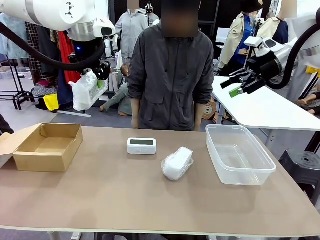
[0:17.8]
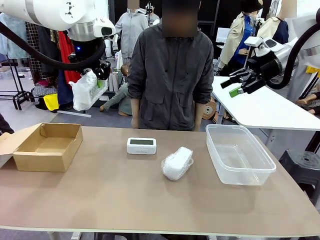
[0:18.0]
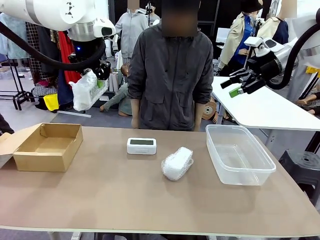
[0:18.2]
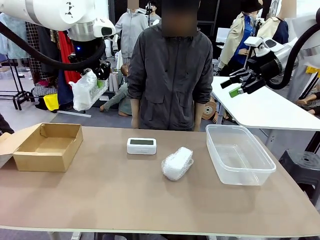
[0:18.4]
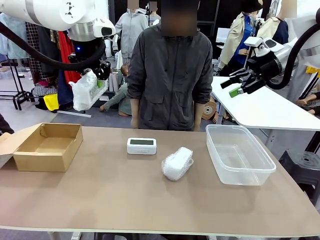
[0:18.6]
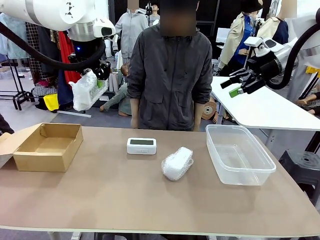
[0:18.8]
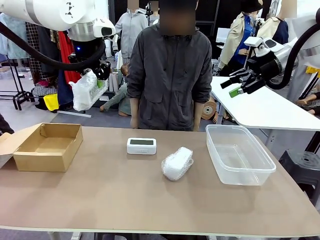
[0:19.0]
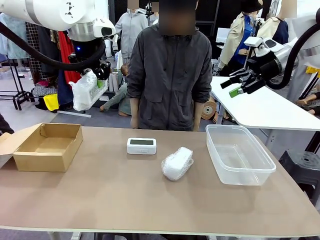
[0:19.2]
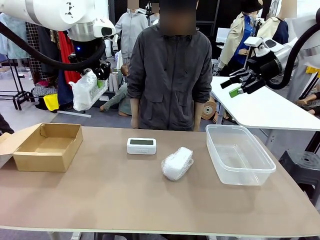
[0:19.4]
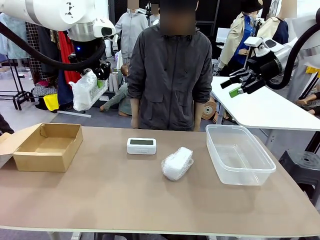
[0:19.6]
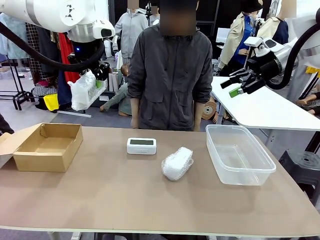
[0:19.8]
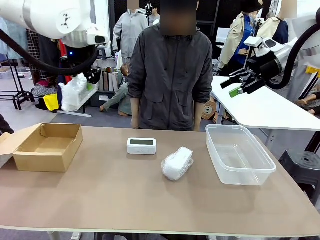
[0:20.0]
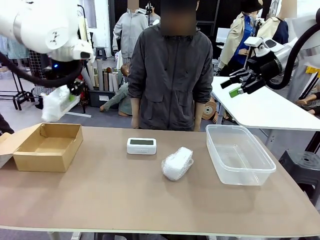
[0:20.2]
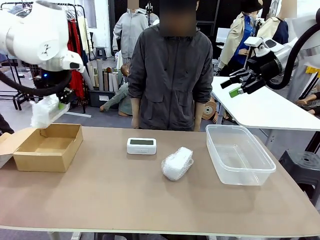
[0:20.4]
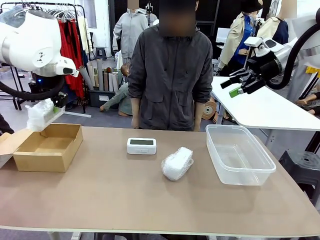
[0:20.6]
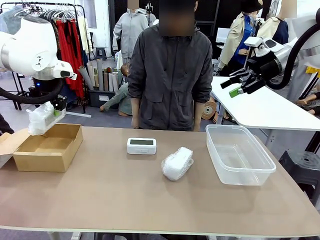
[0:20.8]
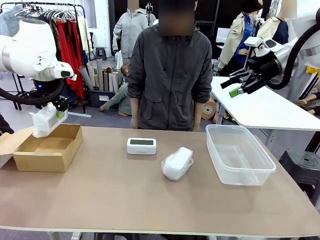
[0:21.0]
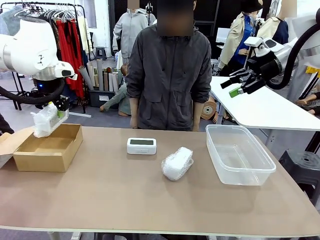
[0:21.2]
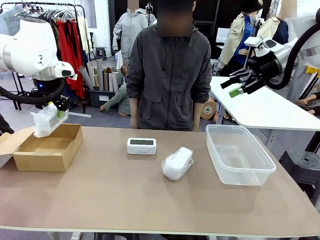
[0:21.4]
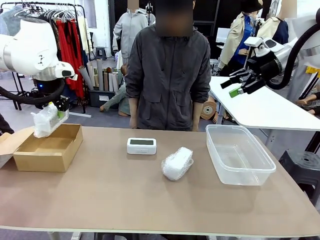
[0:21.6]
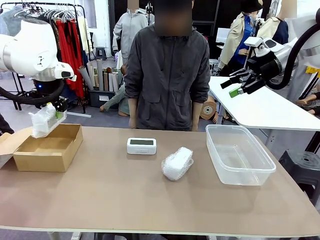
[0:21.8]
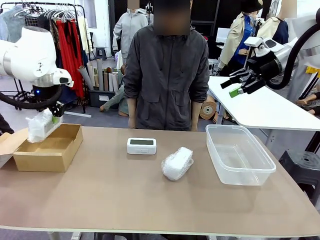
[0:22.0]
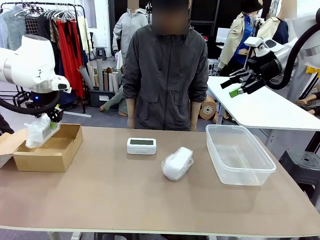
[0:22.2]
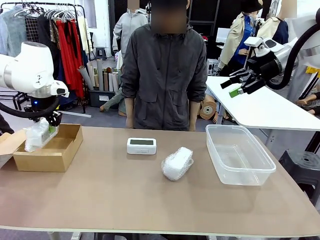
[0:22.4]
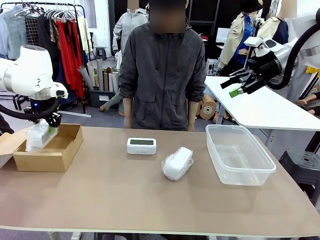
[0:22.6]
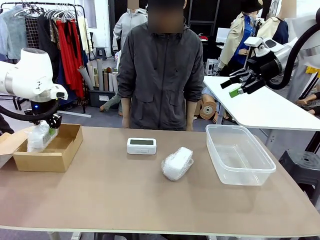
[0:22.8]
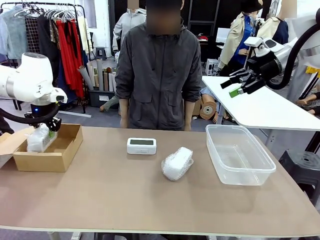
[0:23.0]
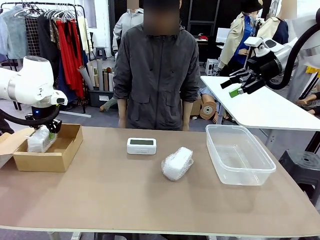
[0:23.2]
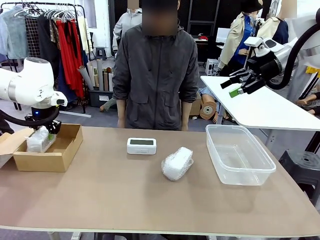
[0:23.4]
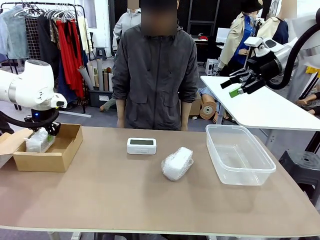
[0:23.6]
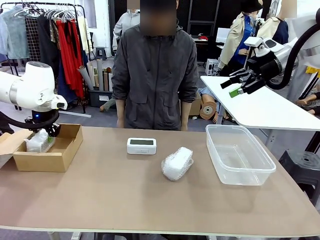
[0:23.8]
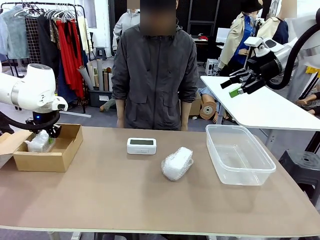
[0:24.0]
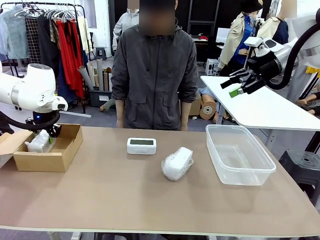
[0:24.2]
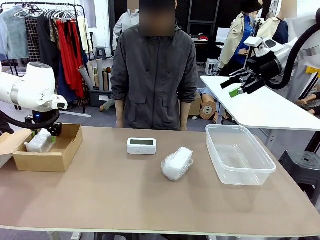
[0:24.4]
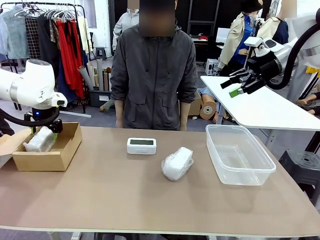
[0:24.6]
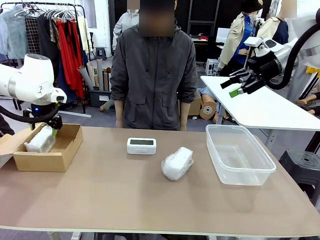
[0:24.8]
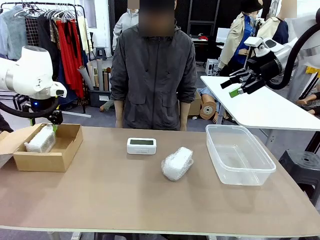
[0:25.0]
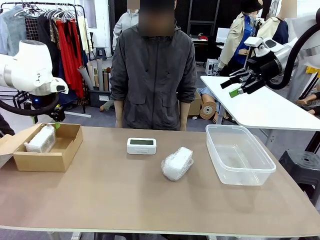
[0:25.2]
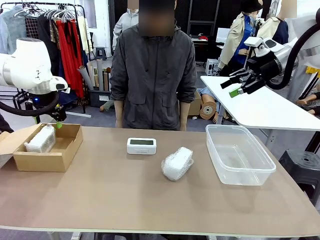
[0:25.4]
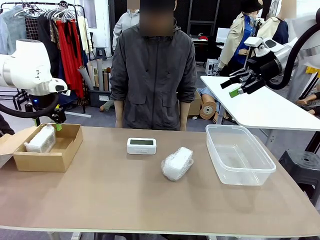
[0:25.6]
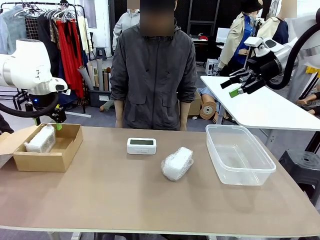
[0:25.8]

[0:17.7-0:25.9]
Task: Separate and place wrapped and unwrapped clocks.
Robot: If the picked Digital clock is wrapped, place it in the Package Box ; if not, place it in the Organizing box.

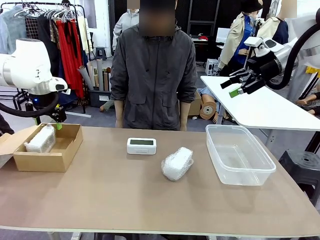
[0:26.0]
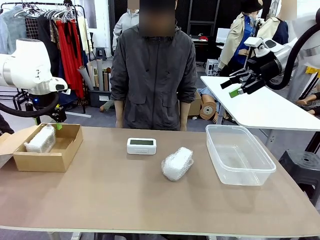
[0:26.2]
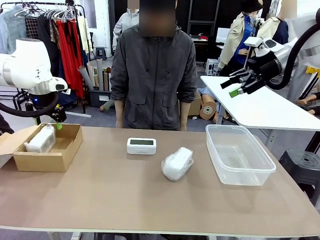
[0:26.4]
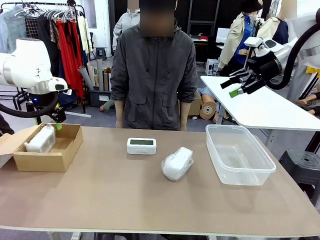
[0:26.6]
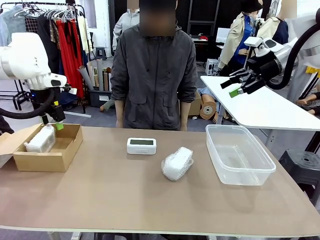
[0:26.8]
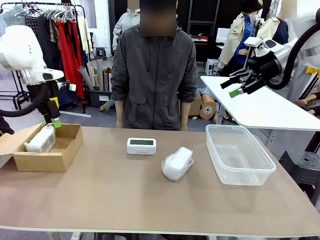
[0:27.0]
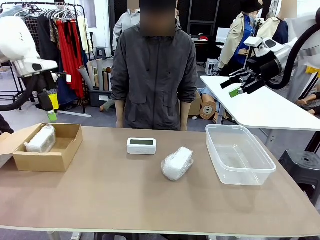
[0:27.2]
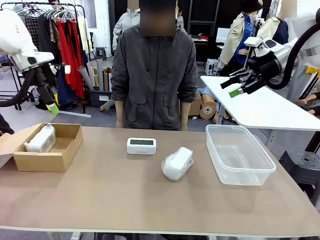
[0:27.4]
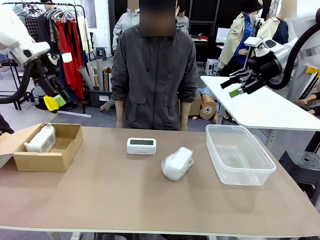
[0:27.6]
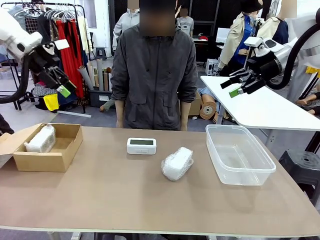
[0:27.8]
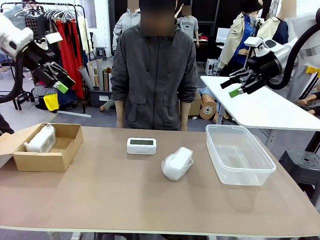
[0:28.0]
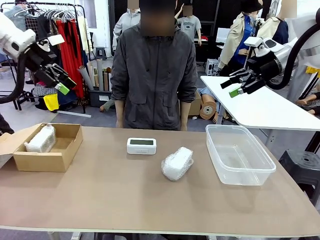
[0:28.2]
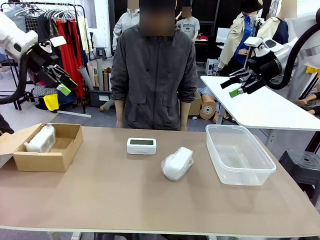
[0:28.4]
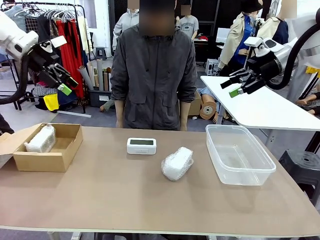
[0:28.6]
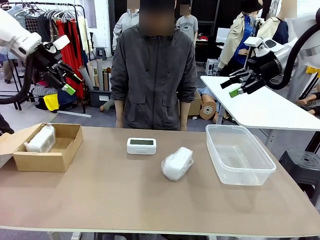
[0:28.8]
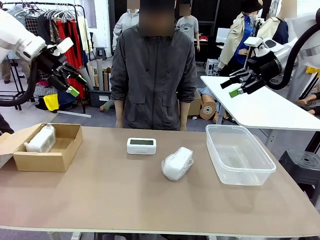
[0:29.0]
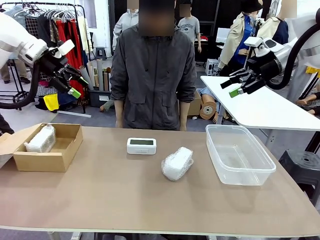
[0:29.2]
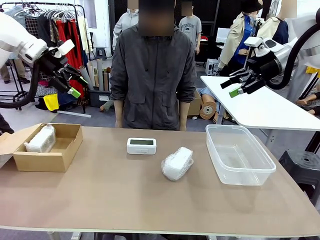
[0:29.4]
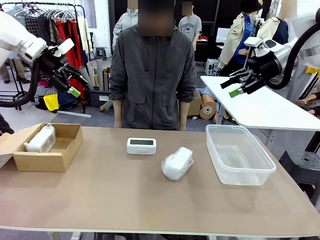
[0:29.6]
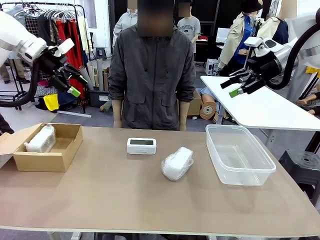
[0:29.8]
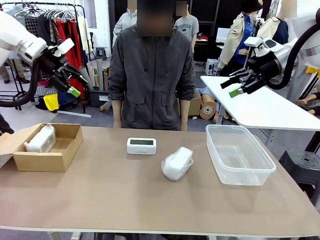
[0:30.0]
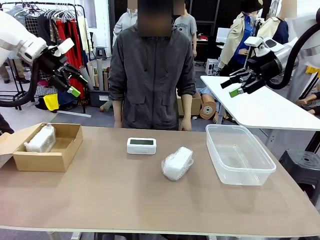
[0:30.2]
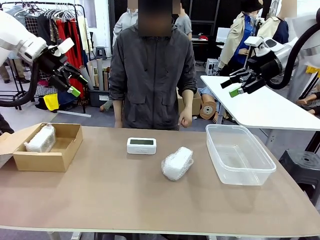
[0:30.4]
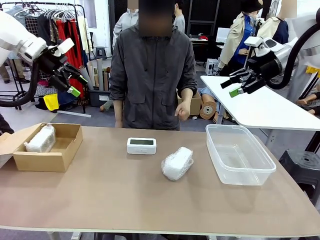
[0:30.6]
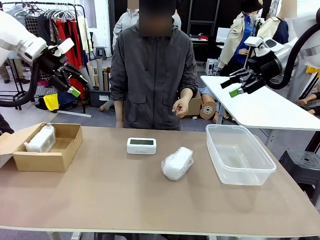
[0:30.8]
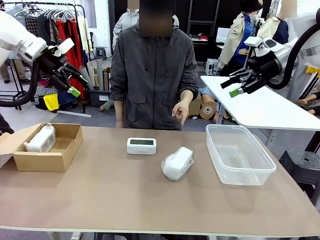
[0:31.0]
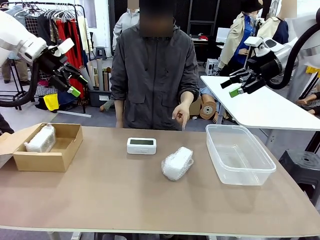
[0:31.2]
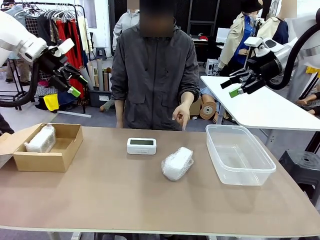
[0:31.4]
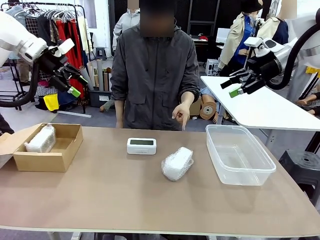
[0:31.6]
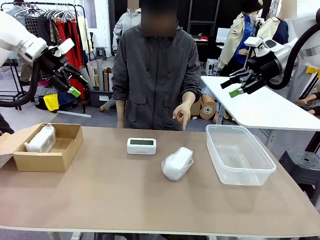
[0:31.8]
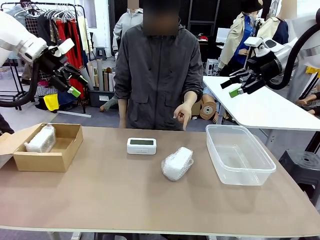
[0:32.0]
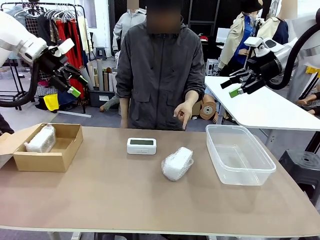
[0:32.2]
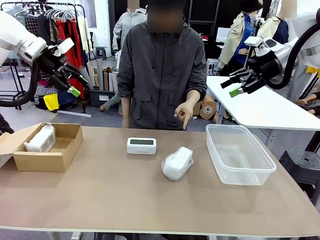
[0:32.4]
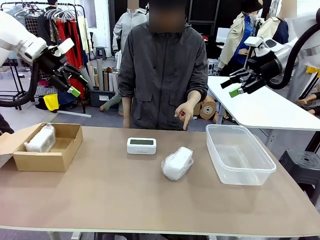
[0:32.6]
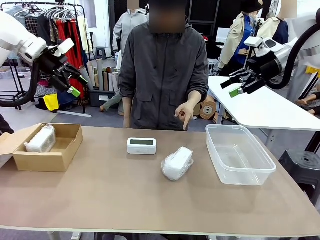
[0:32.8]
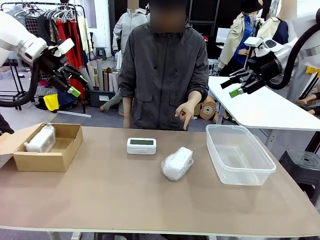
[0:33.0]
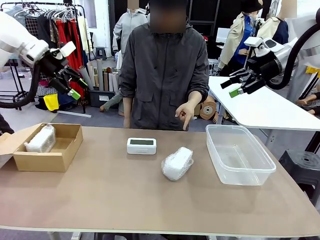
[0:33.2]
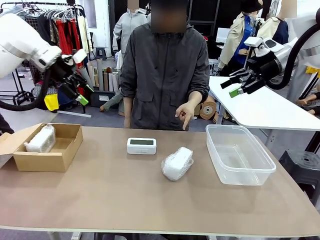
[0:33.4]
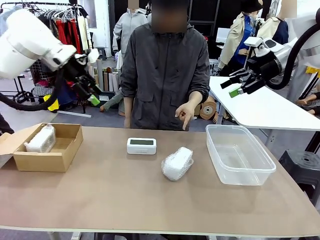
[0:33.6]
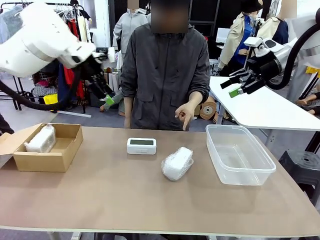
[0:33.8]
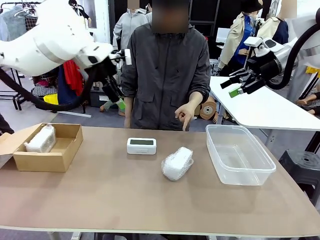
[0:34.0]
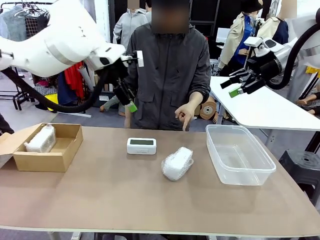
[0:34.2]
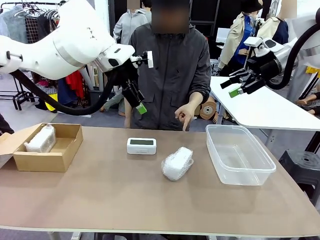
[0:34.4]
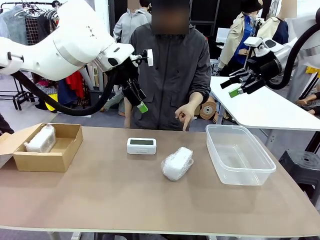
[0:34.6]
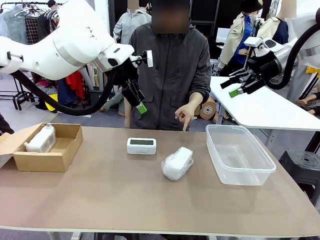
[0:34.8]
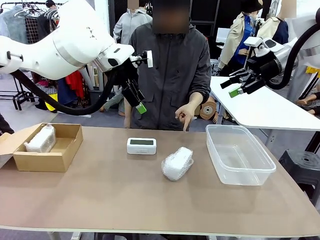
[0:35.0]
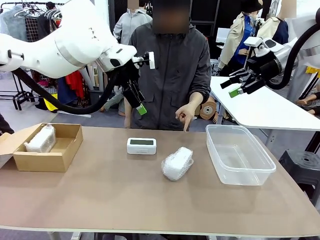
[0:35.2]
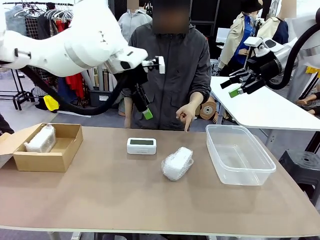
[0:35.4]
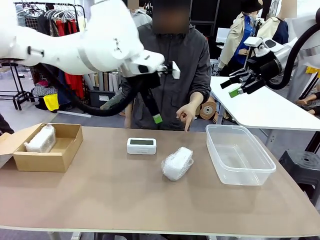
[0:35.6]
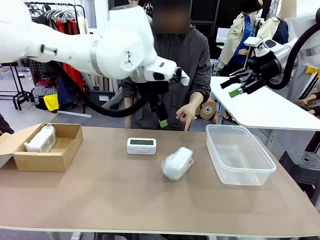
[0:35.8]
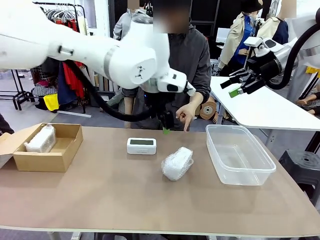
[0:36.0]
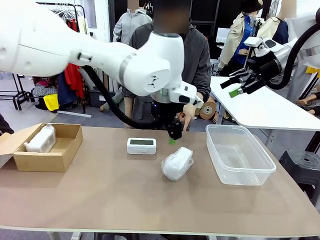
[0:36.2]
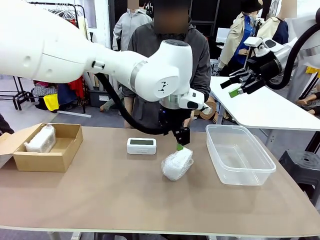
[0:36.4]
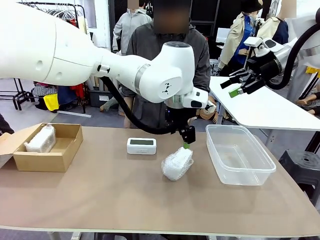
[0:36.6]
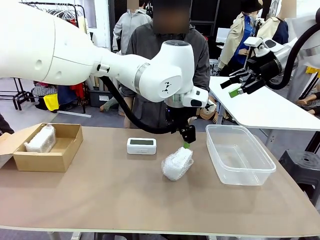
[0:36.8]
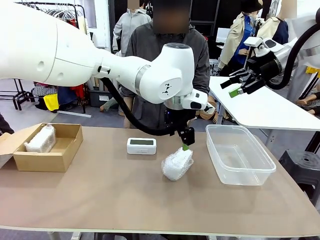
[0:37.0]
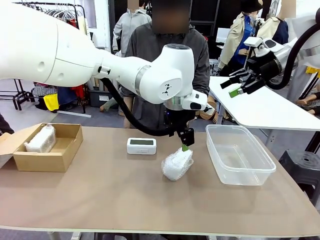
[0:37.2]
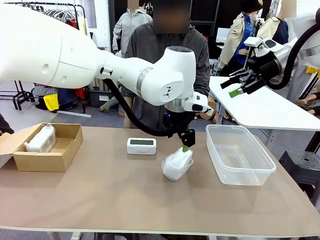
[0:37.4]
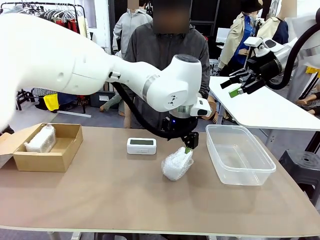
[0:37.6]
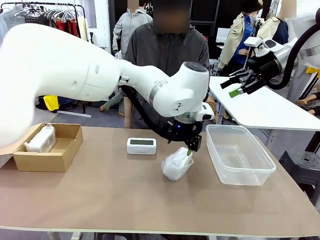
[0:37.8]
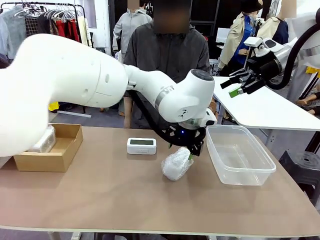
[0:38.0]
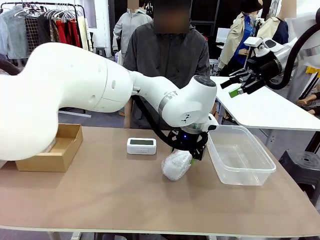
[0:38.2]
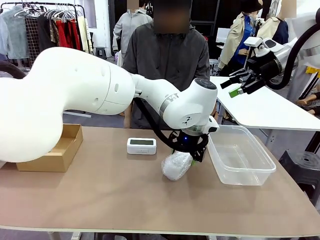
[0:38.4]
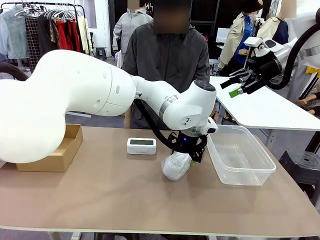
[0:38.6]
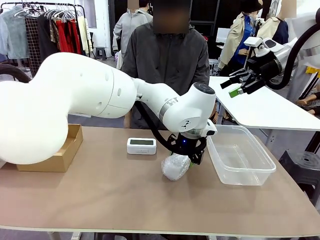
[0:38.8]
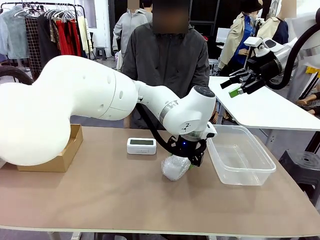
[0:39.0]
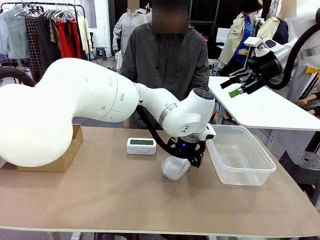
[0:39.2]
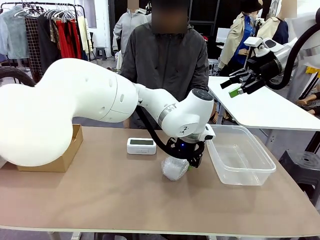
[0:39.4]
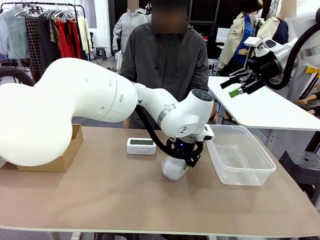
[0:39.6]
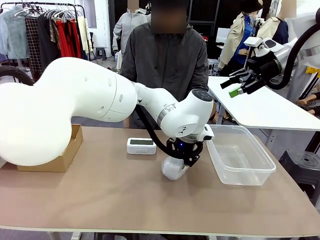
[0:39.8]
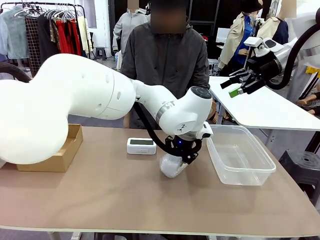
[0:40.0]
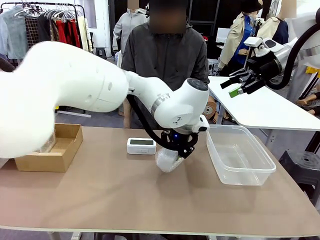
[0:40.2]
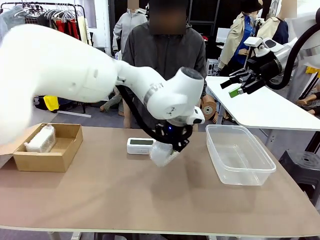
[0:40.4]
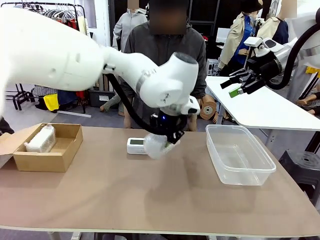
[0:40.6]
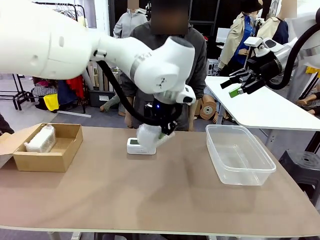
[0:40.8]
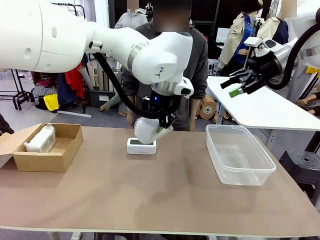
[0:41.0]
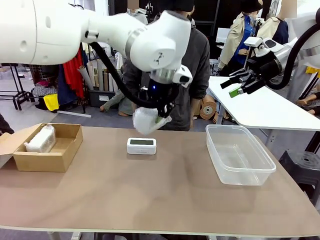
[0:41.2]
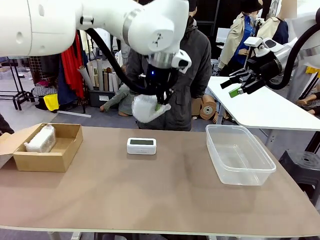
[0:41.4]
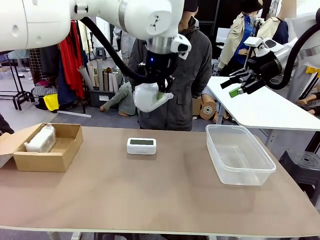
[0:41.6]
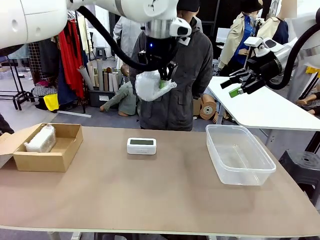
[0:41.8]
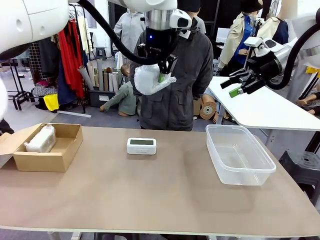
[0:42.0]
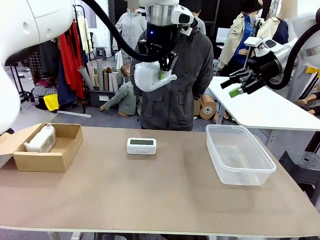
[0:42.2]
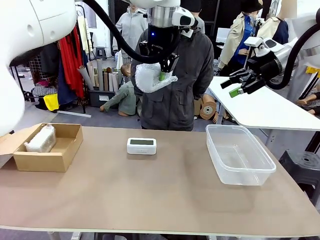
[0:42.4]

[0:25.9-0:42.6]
Robot: Pick up the Digital clock indicated by the person.
